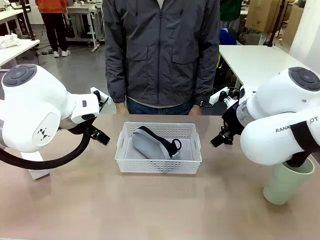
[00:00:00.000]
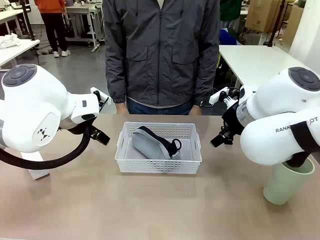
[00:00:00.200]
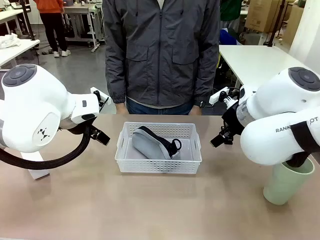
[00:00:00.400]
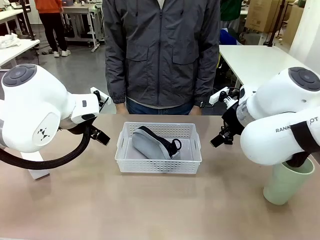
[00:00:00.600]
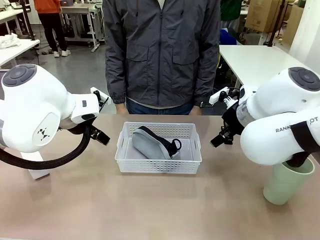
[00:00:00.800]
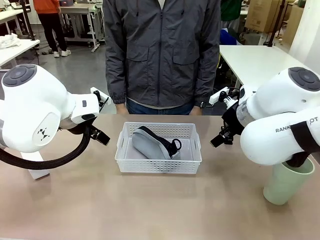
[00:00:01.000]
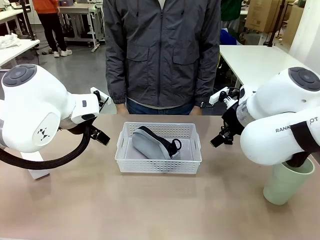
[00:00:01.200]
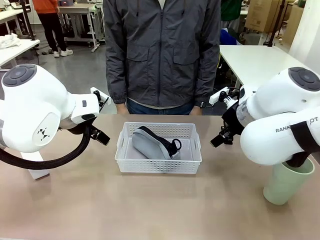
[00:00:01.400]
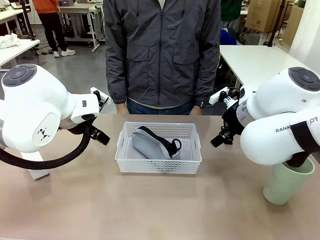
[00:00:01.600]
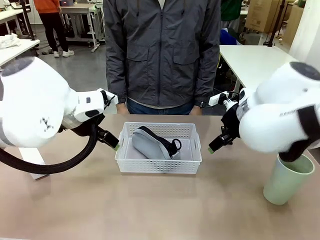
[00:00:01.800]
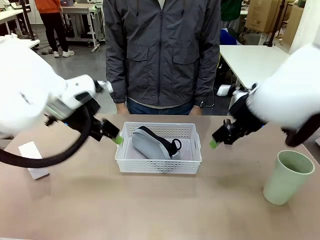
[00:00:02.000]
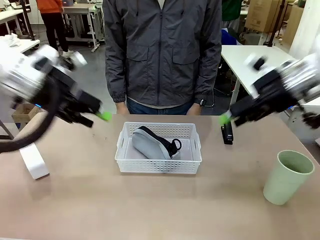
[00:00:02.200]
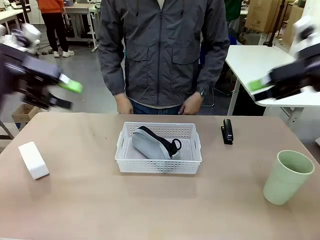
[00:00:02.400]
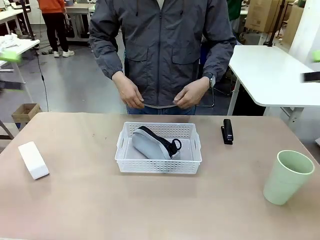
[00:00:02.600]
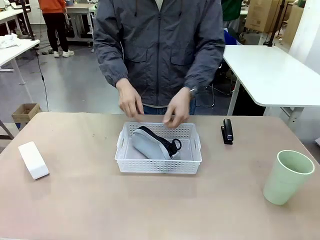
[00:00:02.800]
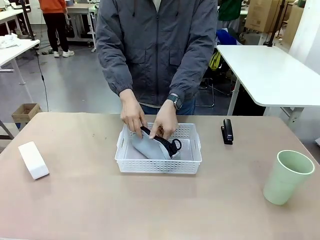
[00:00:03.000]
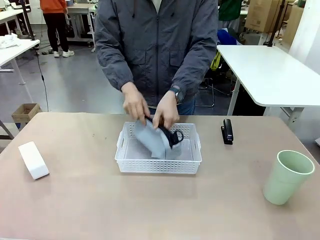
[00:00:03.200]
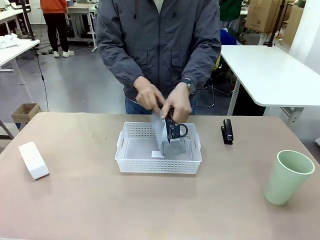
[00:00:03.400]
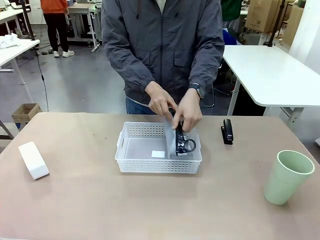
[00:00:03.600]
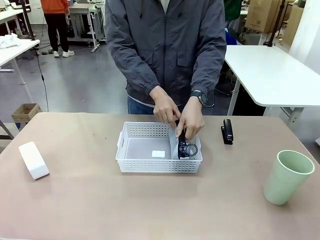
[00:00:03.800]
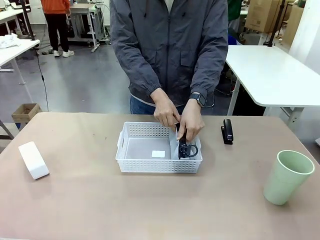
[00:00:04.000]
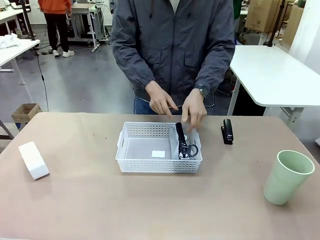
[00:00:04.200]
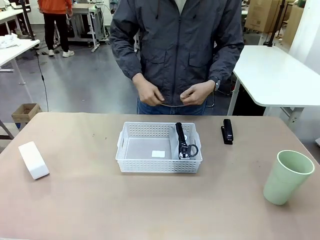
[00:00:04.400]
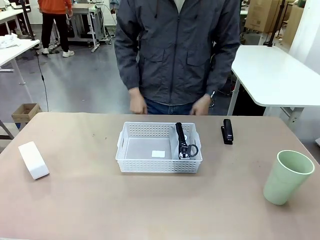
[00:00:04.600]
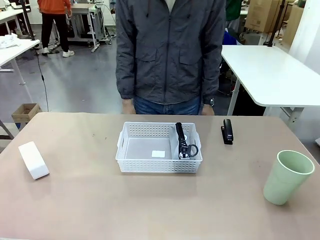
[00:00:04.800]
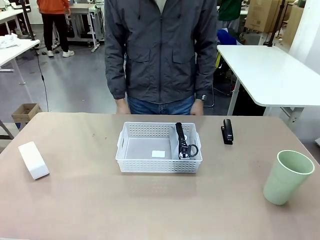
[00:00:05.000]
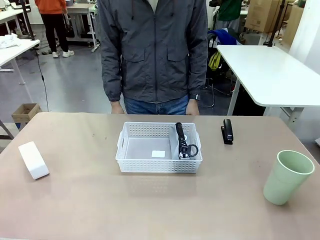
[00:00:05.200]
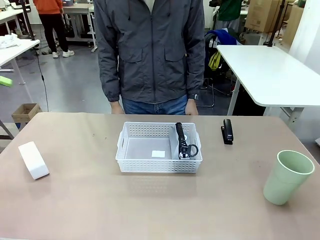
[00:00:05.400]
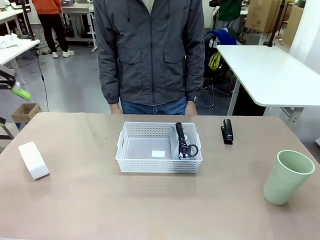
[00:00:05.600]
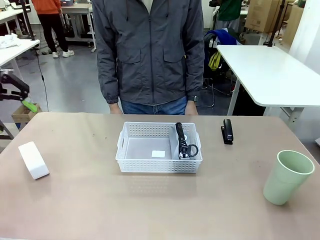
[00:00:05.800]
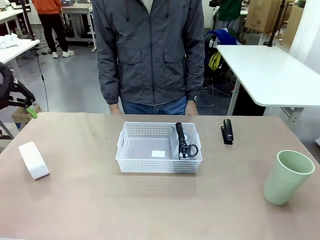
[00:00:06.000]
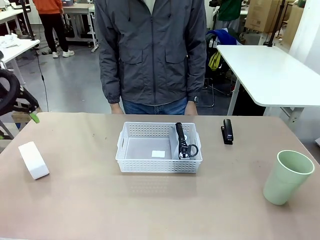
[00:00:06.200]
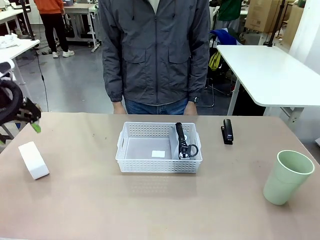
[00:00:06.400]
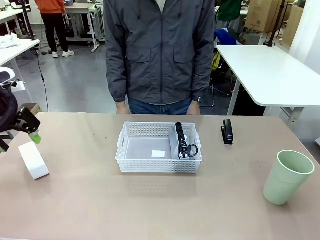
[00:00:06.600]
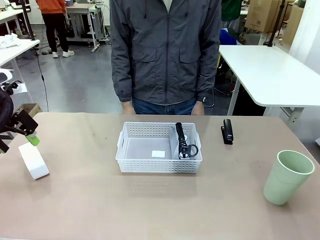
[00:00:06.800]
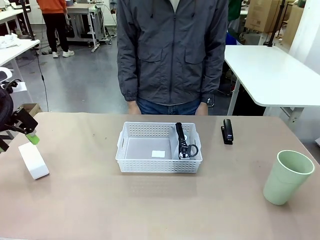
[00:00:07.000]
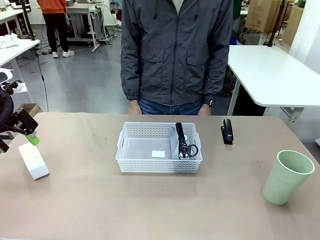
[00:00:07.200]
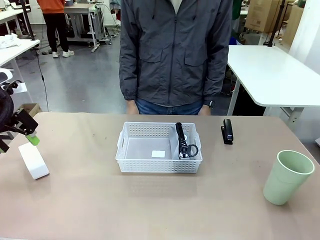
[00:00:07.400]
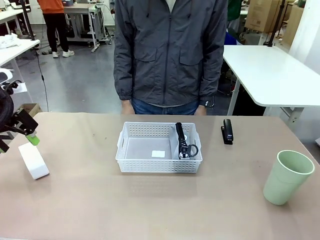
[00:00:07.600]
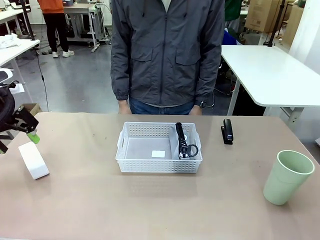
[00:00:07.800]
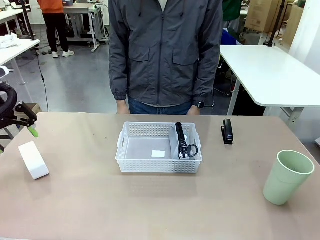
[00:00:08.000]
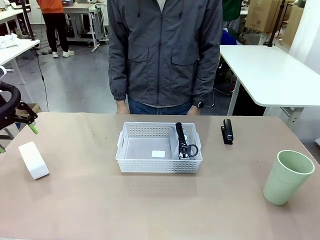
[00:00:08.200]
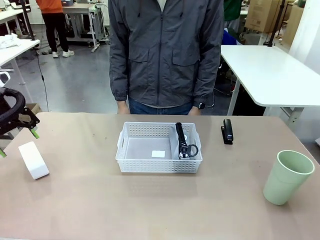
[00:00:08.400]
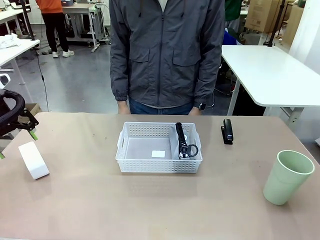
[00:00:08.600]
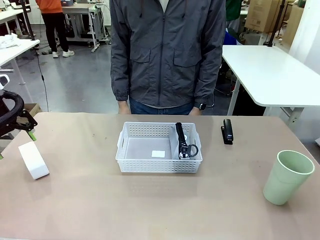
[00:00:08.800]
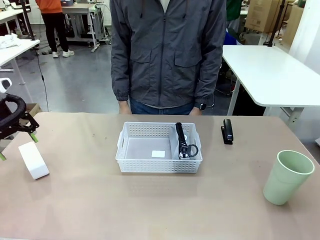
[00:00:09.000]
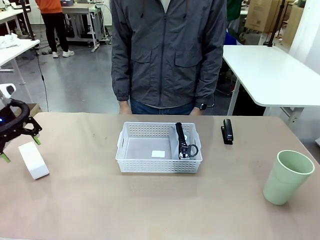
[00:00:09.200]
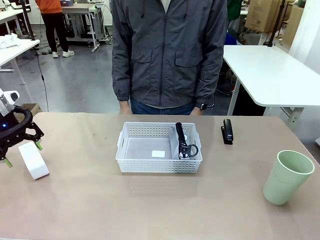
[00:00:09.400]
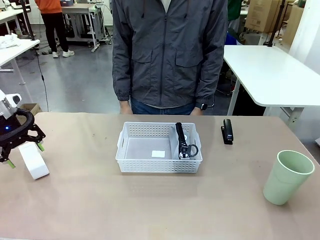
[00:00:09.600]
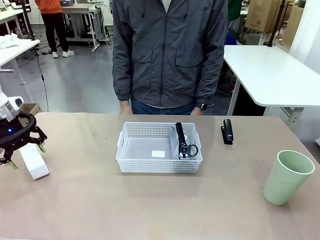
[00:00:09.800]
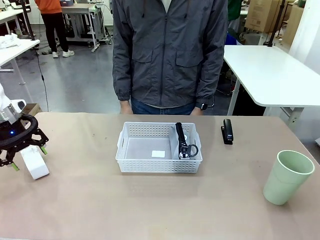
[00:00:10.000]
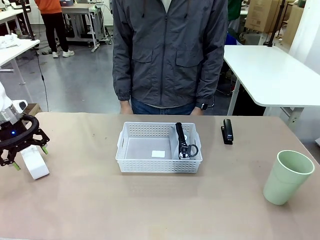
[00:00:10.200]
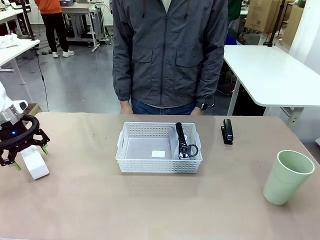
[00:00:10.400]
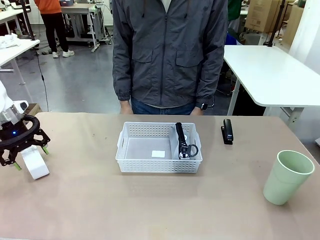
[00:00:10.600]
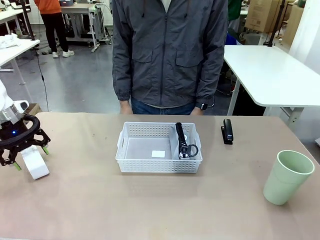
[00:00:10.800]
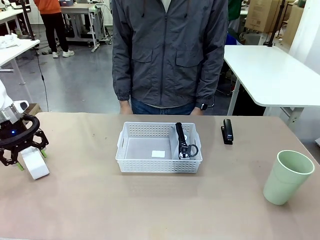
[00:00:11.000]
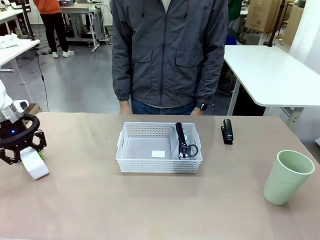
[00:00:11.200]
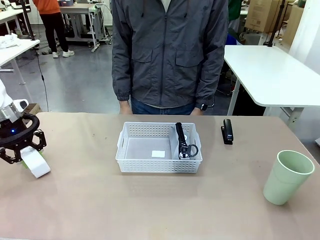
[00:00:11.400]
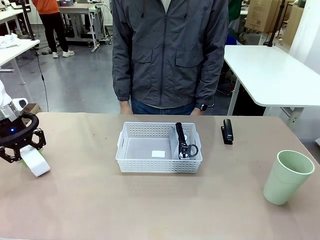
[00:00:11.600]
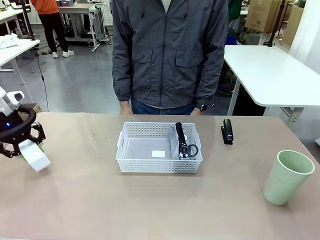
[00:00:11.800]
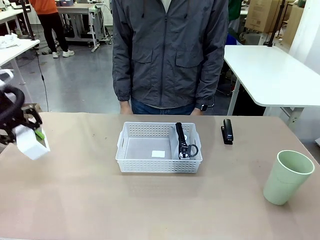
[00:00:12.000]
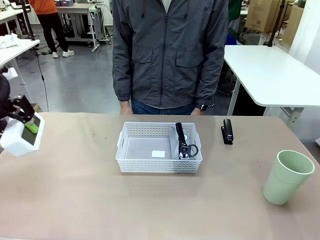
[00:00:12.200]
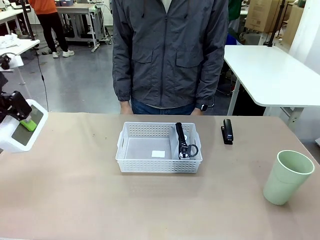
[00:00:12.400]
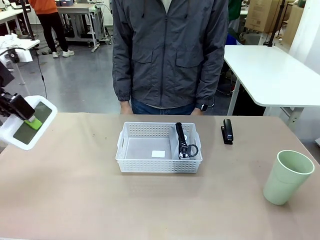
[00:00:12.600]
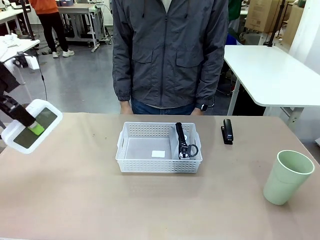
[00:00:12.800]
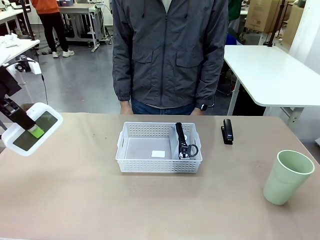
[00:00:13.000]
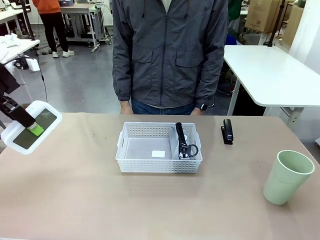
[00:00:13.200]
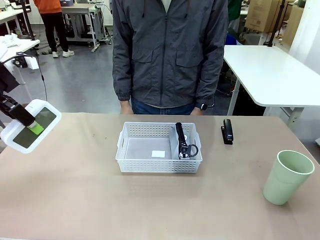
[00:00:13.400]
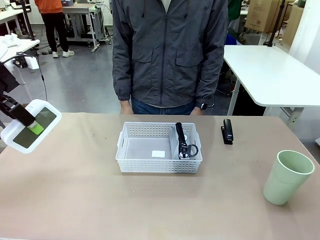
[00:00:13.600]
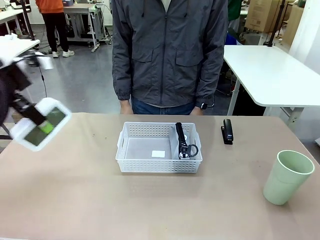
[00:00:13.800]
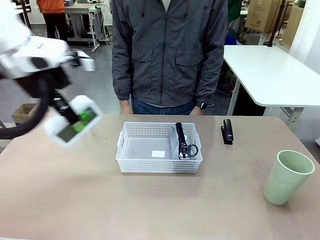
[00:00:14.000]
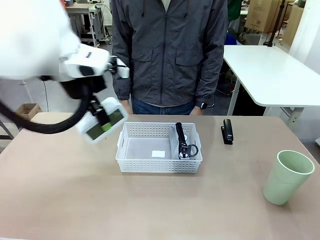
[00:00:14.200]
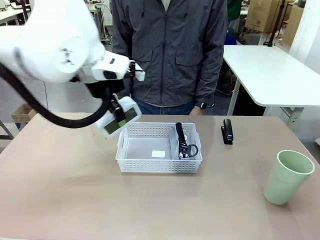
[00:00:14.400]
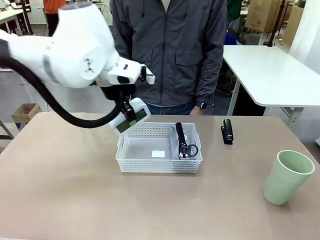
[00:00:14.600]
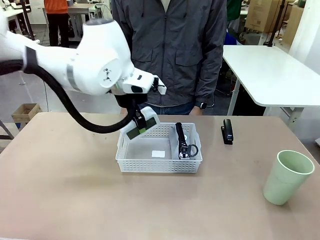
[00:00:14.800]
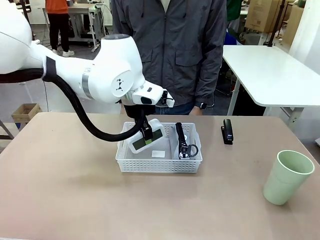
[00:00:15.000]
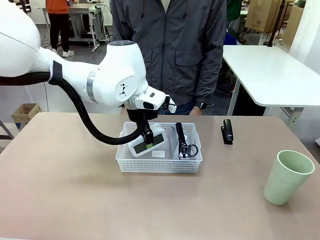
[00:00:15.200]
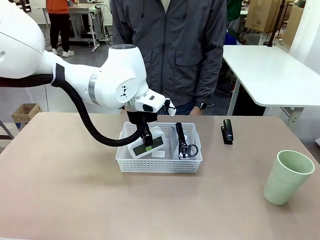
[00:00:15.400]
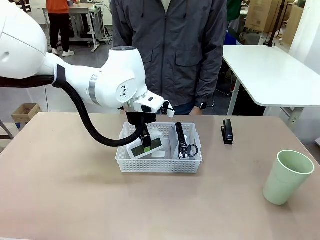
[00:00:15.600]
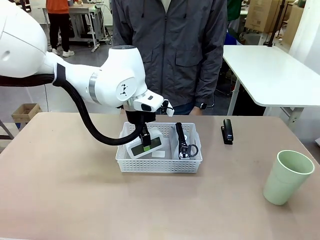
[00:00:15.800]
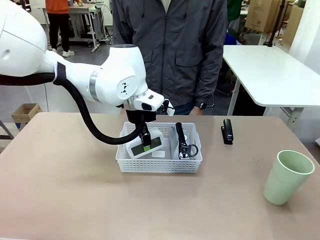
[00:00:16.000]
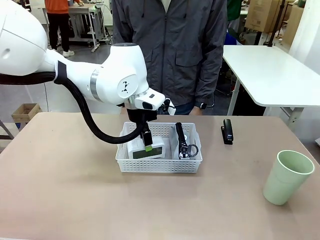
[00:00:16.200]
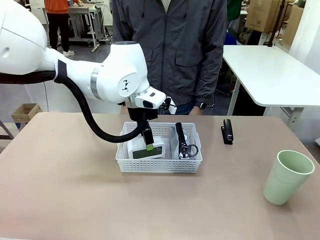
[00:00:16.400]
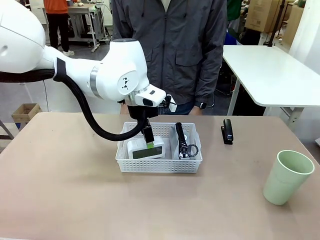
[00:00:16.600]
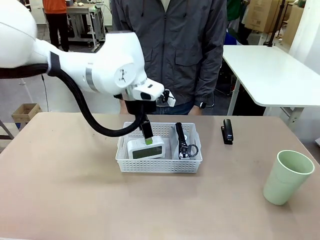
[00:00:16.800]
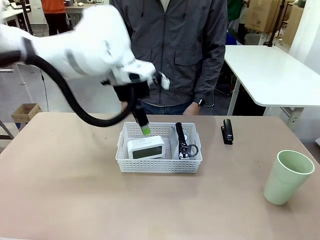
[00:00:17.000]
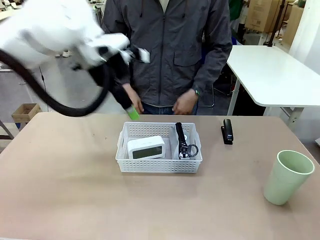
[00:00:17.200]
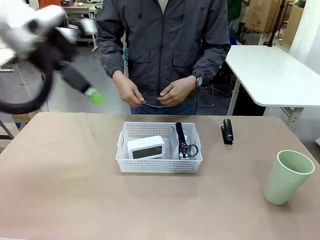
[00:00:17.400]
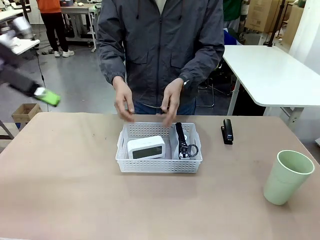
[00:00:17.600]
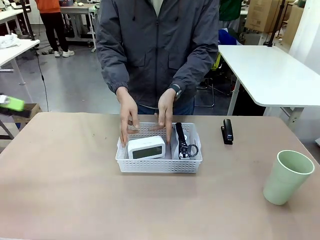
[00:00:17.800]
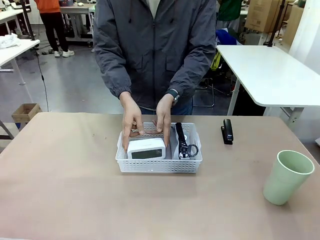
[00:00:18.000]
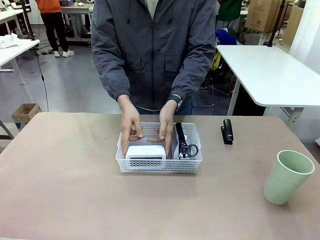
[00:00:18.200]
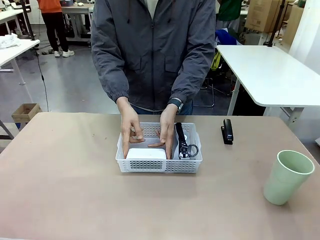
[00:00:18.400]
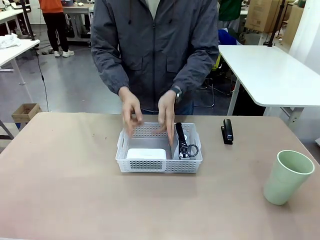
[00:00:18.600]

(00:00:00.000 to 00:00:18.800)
Task: Efficiently arrange items inside the basket to fit them all.
Robot: Pick up the Digital clock and place it inside the Organizing basket.
Person: Repositions the pencil case. Repositions the digital clock.
